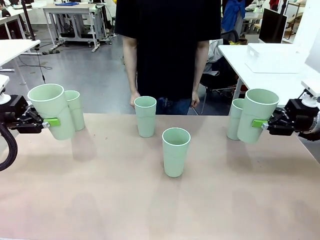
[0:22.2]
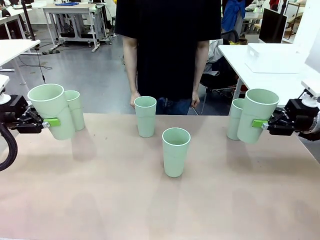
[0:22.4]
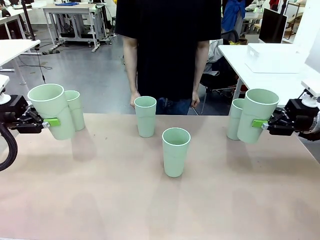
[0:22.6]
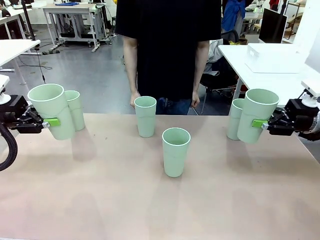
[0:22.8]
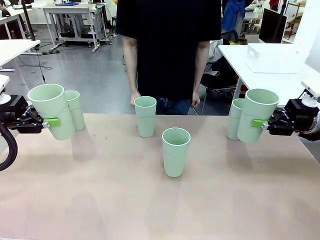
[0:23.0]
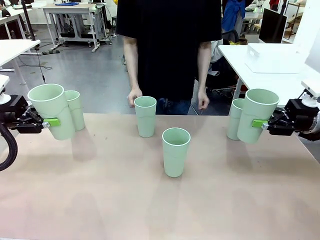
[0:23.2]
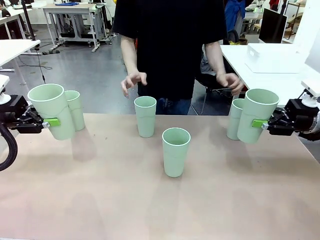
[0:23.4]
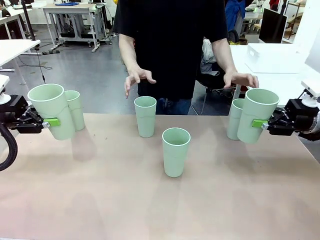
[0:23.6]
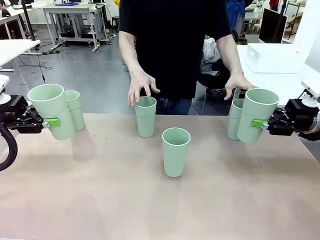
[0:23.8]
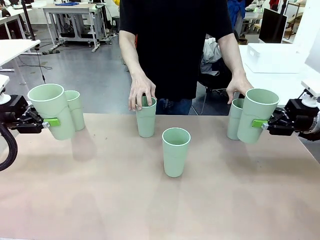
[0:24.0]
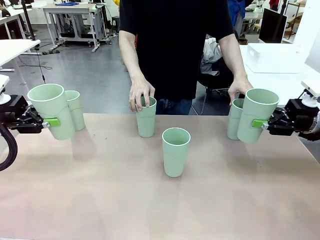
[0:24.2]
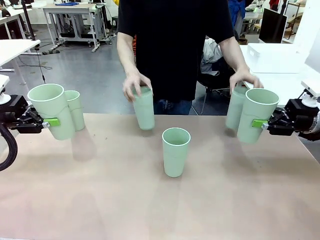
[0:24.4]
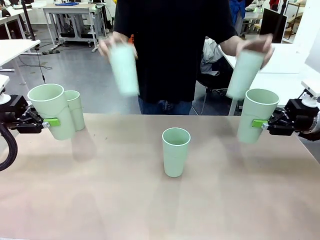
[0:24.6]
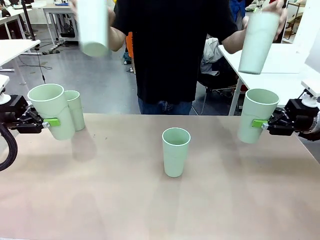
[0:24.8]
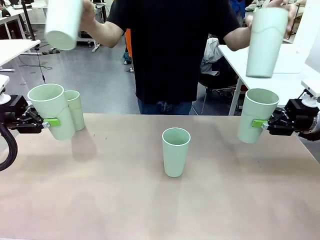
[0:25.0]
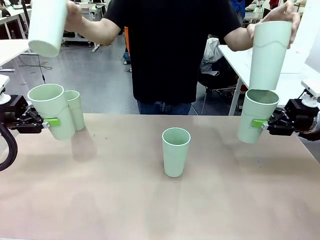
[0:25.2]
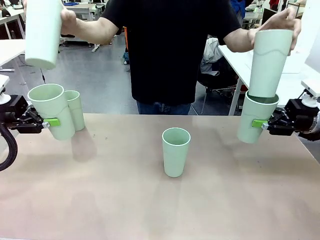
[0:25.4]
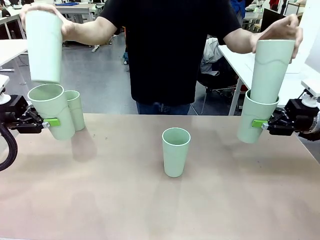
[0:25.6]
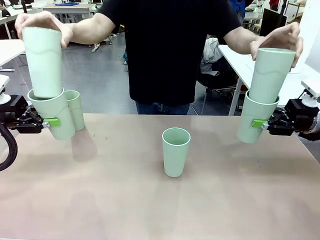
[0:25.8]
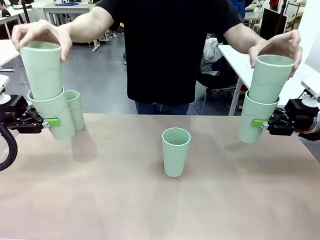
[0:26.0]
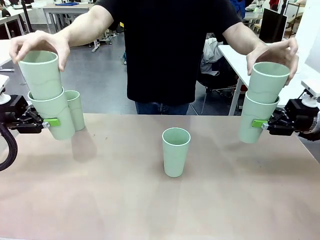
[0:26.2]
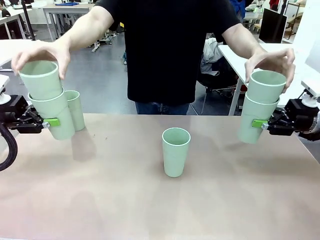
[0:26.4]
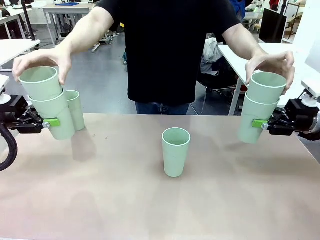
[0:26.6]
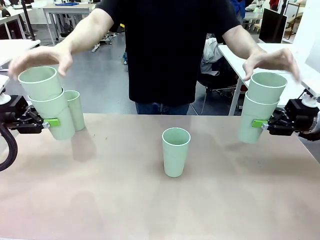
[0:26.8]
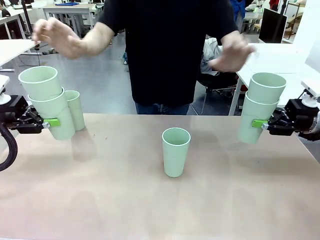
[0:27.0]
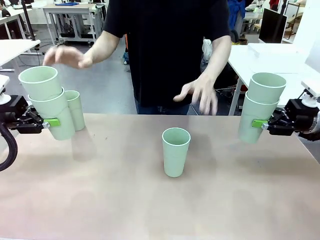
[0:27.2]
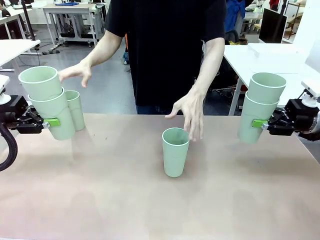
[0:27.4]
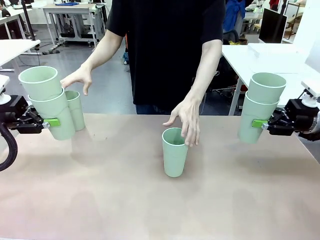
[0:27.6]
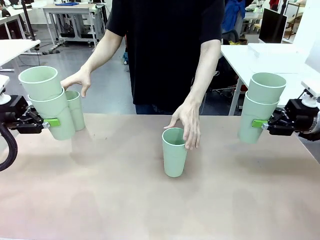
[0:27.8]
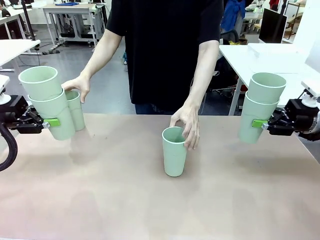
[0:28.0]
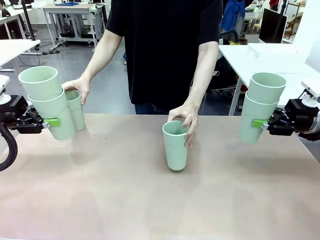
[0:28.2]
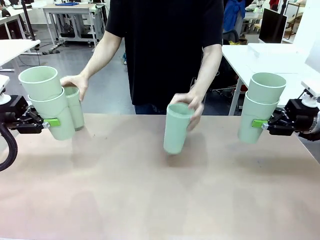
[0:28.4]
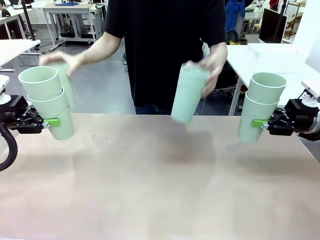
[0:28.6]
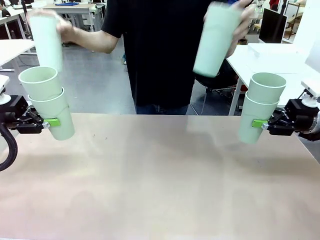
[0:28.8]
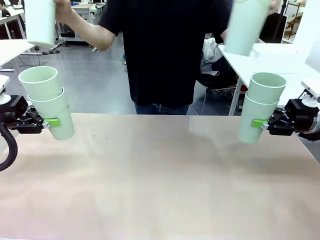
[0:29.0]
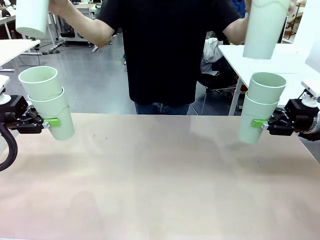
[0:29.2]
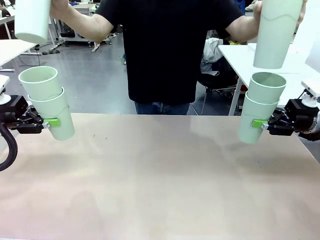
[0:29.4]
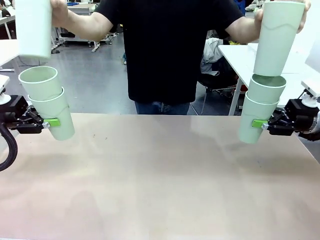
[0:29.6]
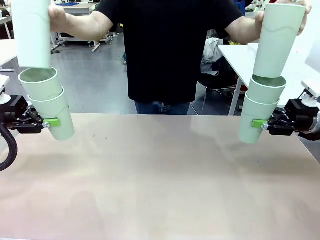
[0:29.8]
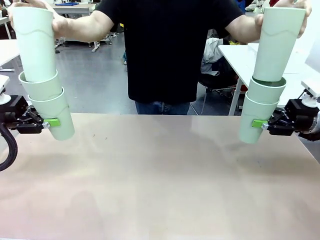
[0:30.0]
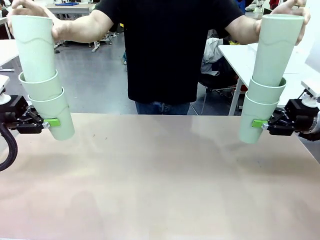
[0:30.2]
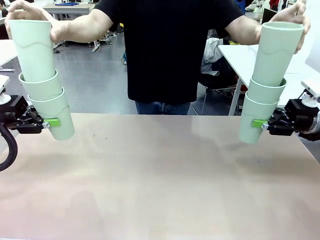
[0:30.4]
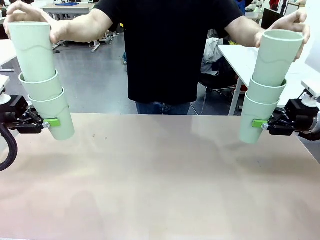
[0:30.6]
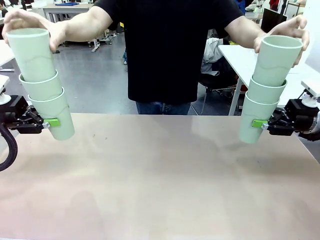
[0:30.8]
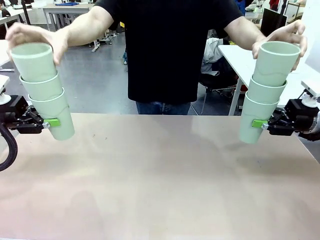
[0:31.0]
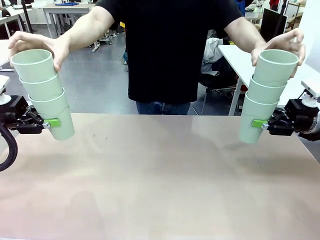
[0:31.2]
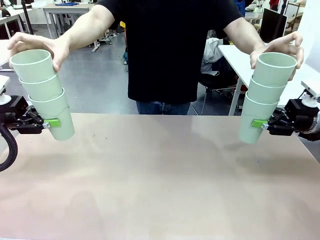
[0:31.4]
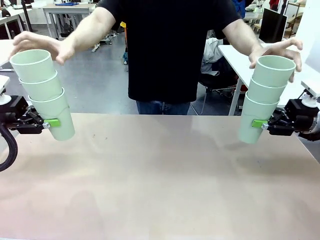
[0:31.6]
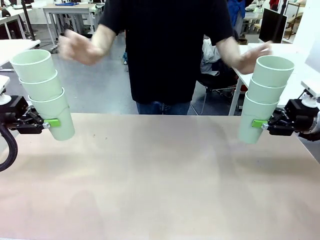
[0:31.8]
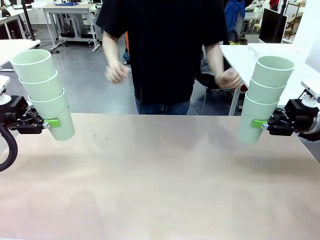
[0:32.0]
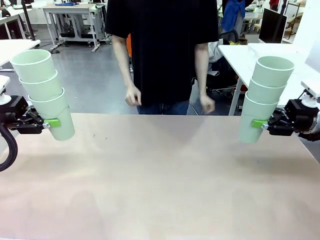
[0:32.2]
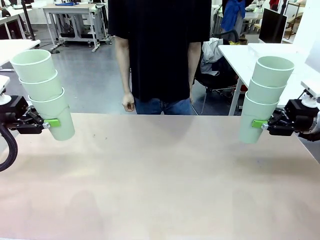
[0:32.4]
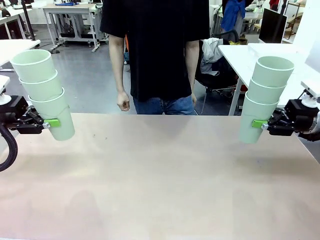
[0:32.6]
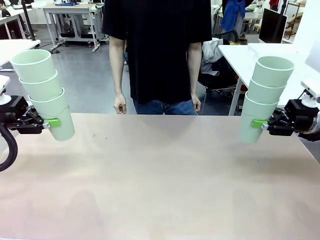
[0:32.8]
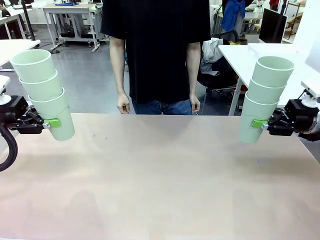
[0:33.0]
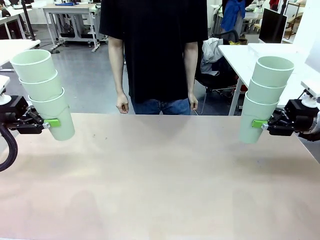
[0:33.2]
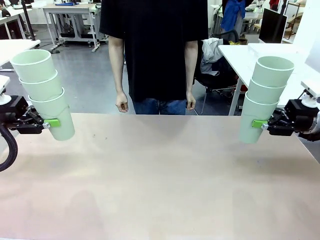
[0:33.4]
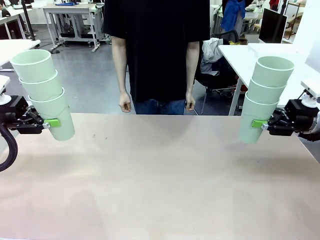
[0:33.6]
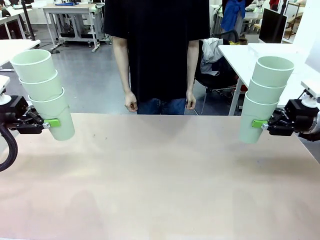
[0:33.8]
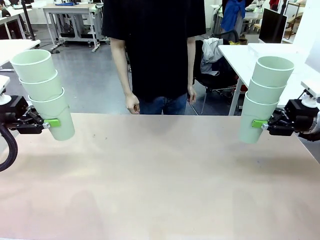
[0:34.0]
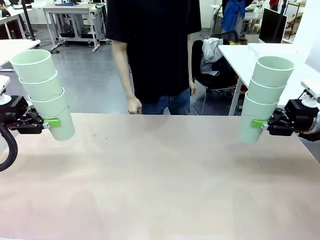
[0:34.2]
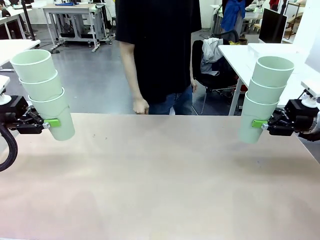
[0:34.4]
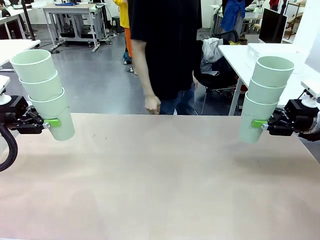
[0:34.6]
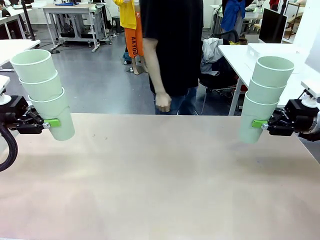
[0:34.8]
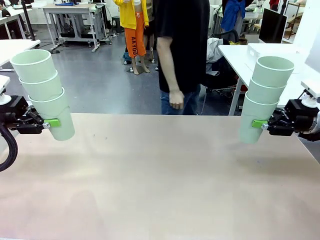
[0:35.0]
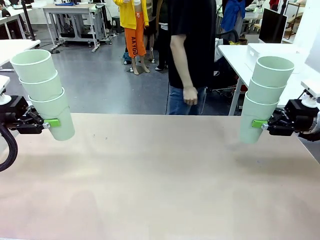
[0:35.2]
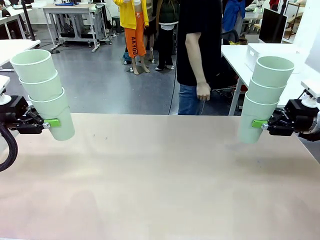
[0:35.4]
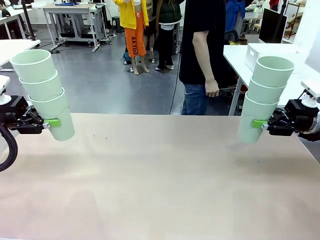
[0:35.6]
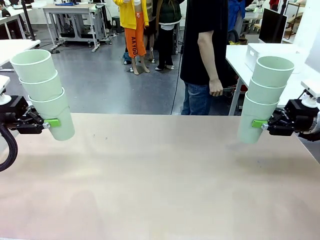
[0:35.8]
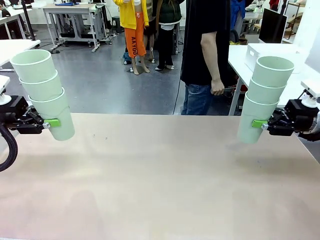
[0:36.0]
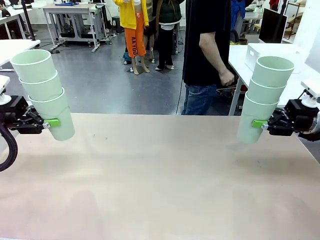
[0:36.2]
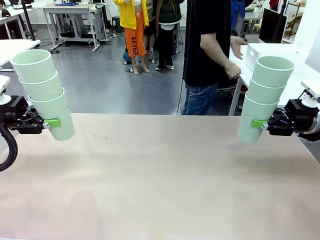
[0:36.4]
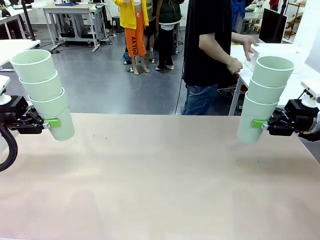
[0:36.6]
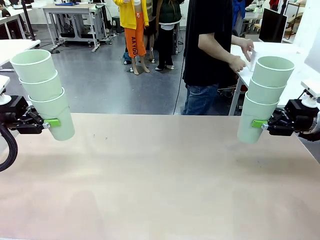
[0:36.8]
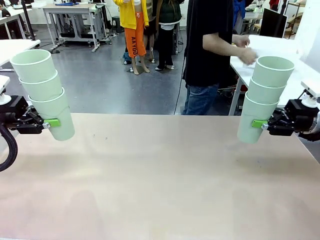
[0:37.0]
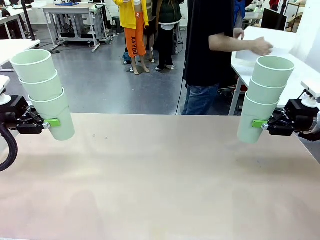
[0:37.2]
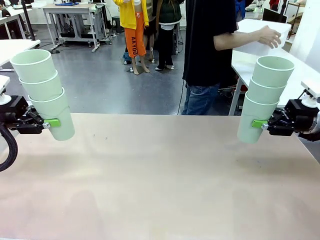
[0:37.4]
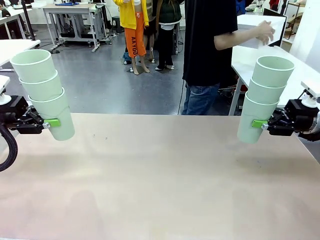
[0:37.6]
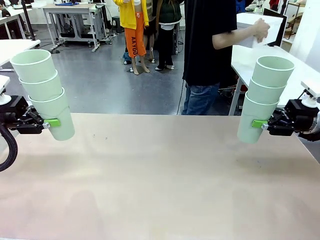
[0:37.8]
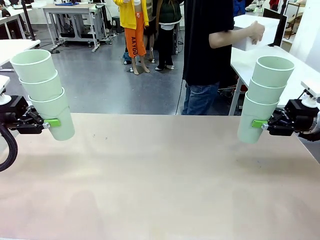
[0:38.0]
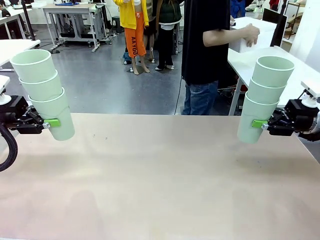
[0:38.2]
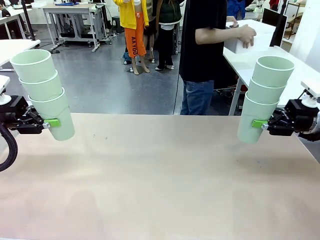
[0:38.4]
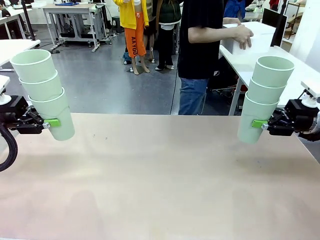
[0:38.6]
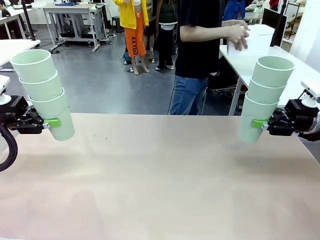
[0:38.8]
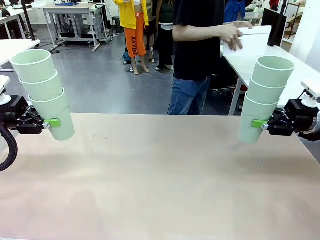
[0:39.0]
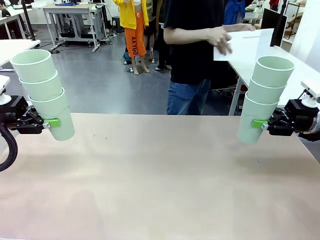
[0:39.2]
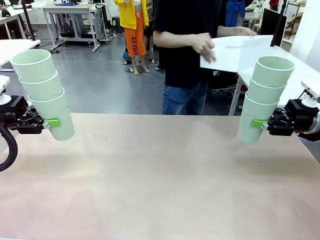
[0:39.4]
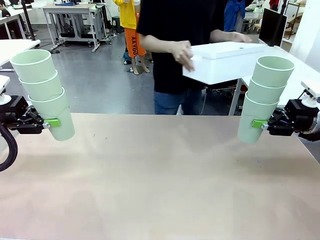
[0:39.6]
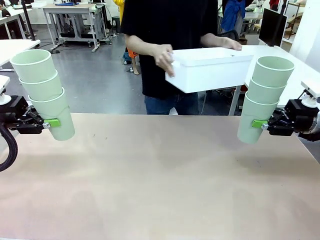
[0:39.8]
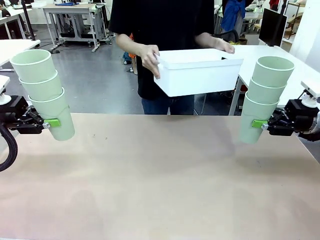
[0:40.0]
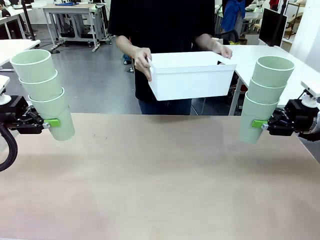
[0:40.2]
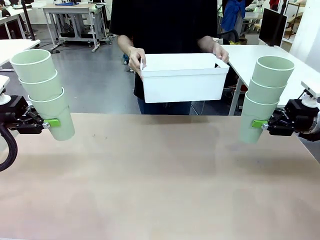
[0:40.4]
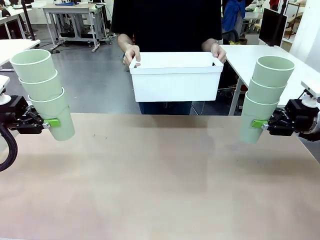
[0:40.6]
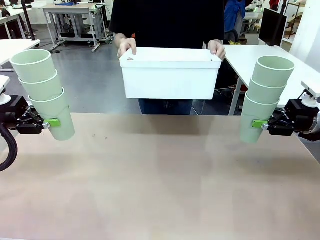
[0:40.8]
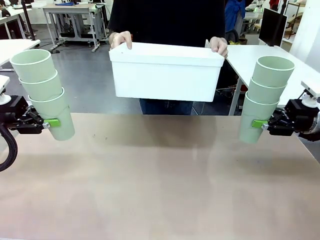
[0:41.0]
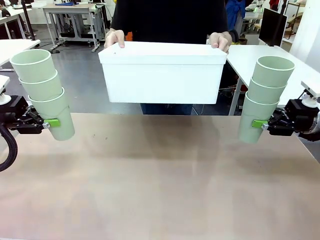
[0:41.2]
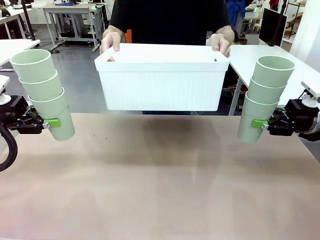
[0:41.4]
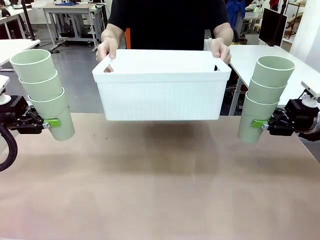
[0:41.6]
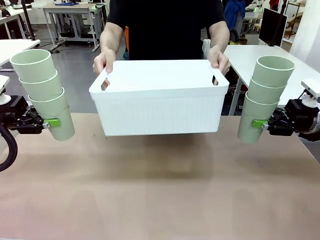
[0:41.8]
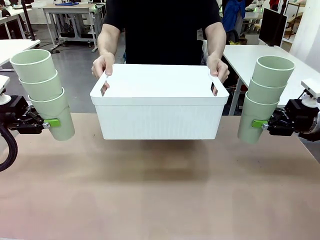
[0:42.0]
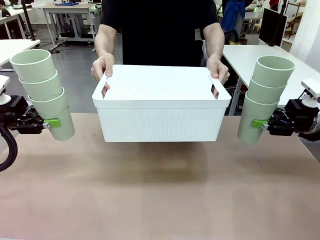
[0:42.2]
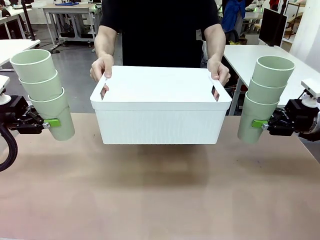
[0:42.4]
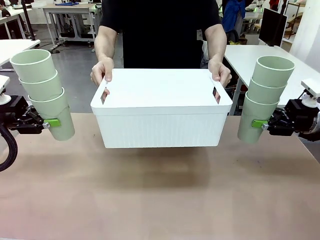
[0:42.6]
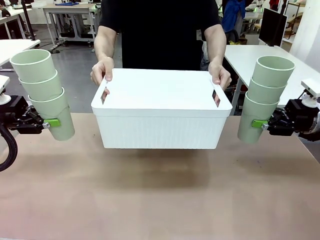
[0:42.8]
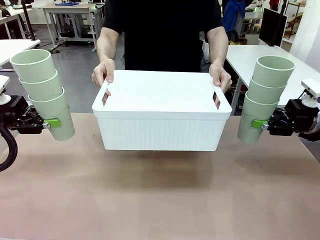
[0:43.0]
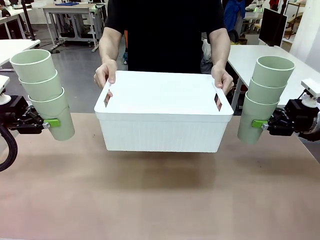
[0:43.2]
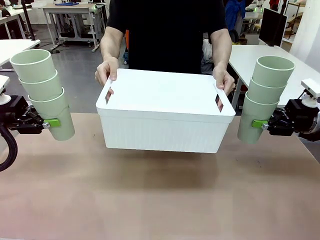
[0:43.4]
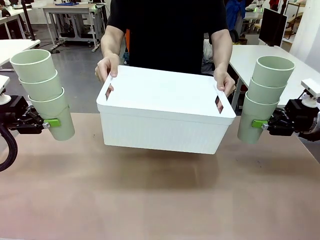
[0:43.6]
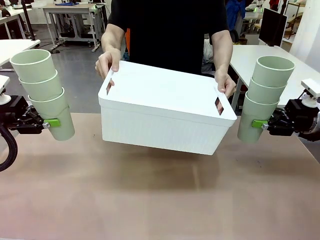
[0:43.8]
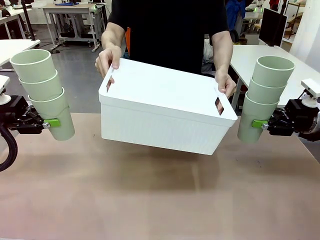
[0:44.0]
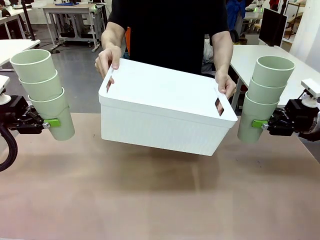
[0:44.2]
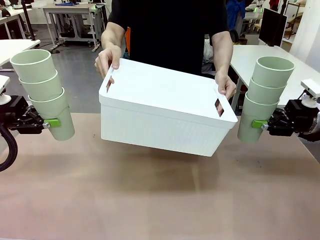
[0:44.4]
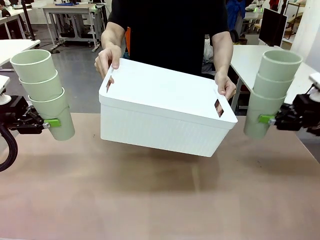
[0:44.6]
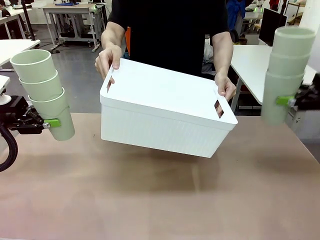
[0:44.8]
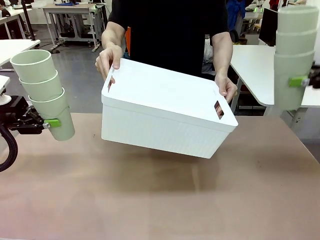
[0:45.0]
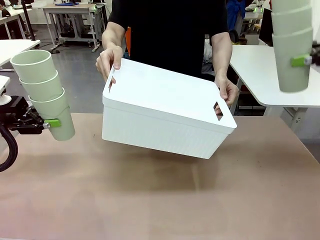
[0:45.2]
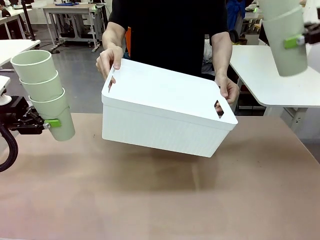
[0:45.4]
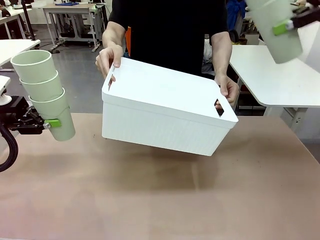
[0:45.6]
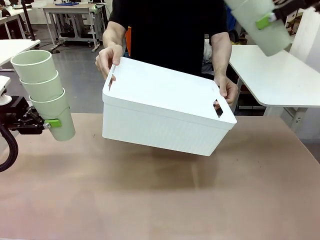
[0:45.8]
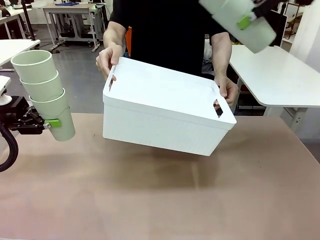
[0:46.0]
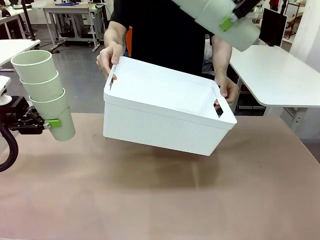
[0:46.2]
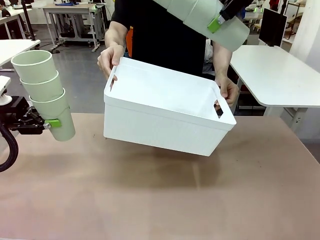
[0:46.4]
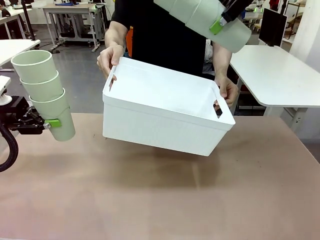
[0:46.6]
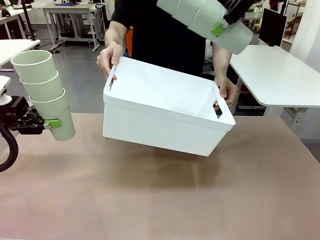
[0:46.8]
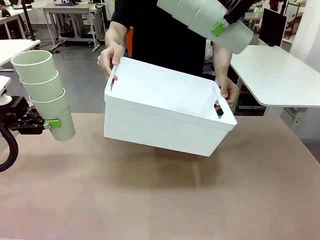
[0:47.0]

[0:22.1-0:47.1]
Task: Stack the cups and store them in the basket.
Robot: Place the stack of Reusable plastic cups into the Pantry Basket.
Person: Pick up the basket from the Human Table, bring it to the front of the robot, and present it.
